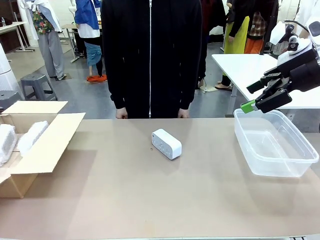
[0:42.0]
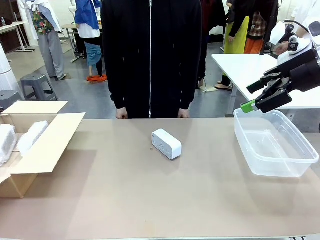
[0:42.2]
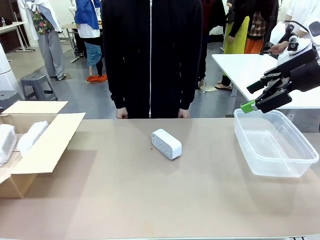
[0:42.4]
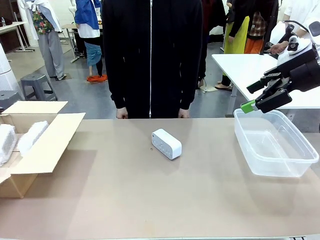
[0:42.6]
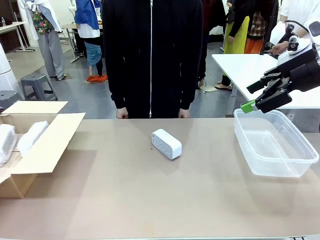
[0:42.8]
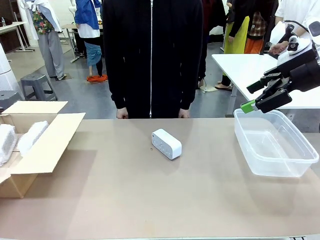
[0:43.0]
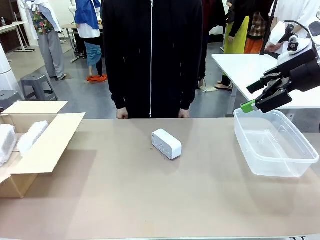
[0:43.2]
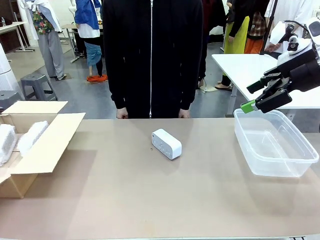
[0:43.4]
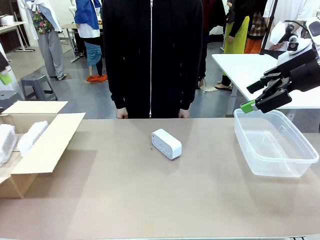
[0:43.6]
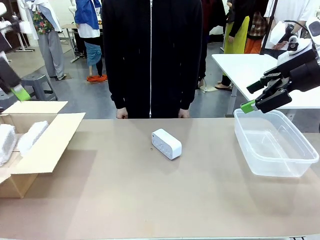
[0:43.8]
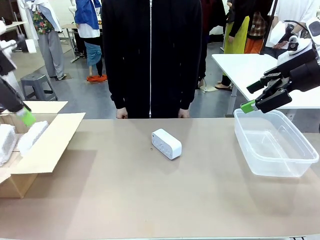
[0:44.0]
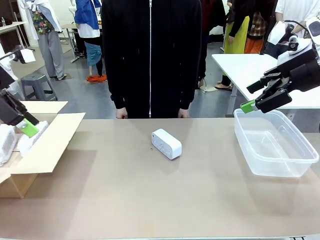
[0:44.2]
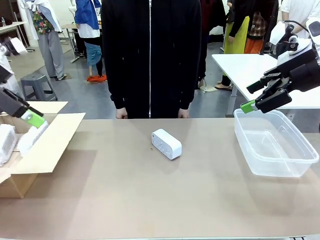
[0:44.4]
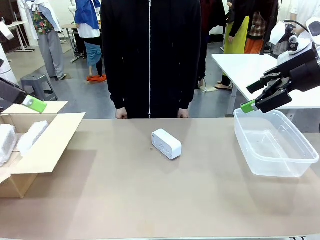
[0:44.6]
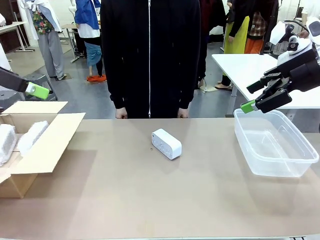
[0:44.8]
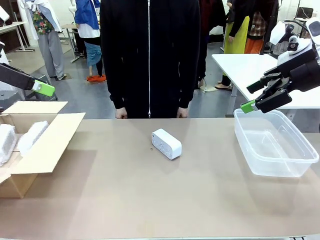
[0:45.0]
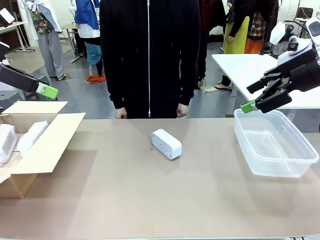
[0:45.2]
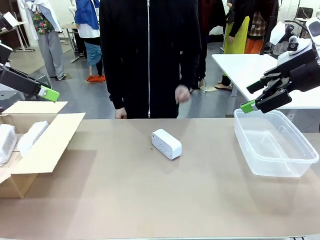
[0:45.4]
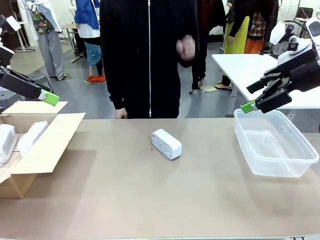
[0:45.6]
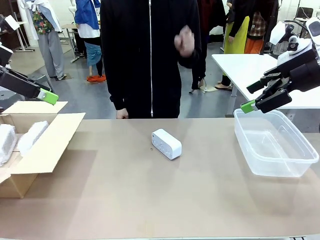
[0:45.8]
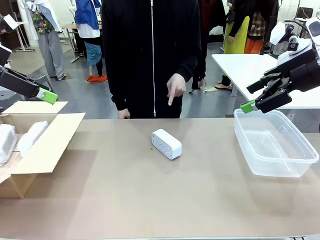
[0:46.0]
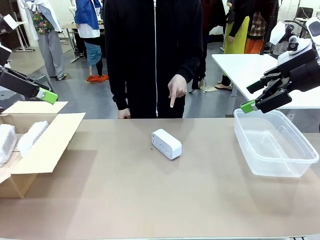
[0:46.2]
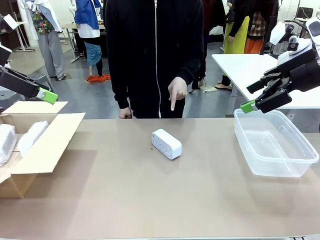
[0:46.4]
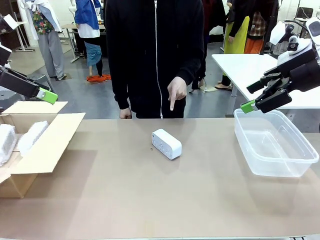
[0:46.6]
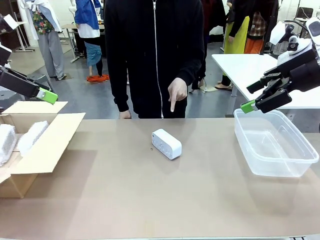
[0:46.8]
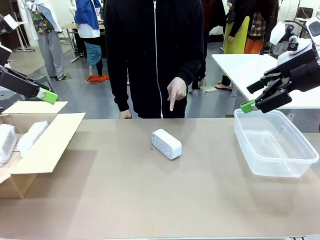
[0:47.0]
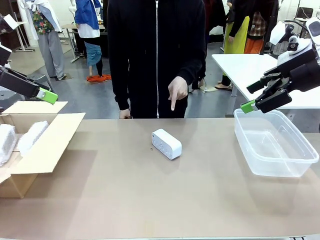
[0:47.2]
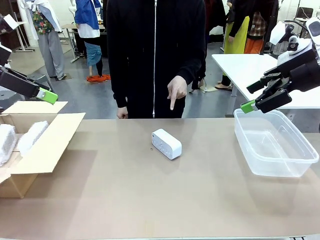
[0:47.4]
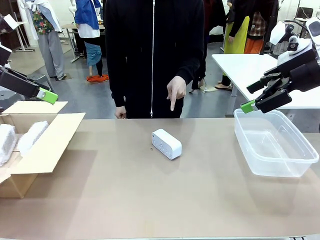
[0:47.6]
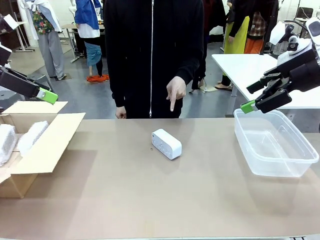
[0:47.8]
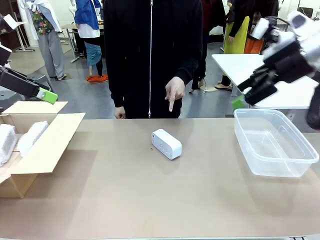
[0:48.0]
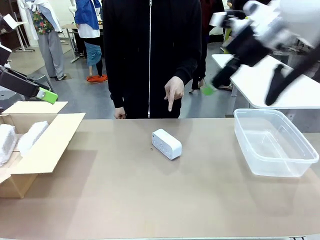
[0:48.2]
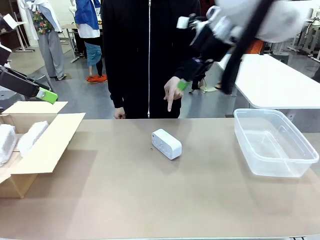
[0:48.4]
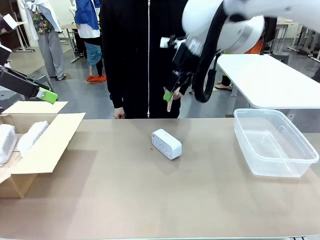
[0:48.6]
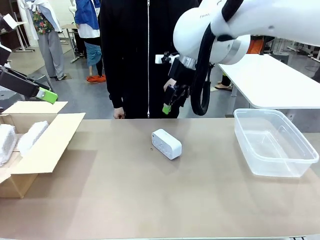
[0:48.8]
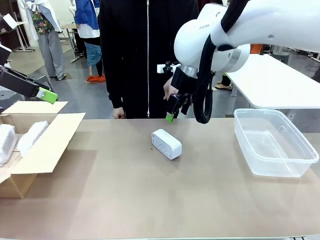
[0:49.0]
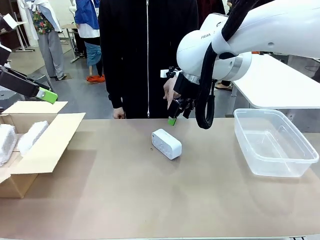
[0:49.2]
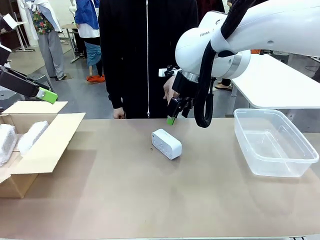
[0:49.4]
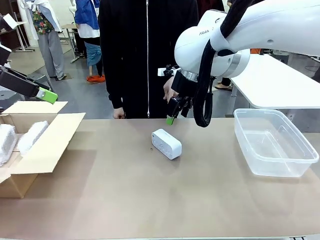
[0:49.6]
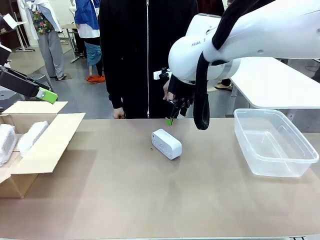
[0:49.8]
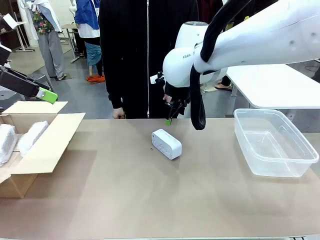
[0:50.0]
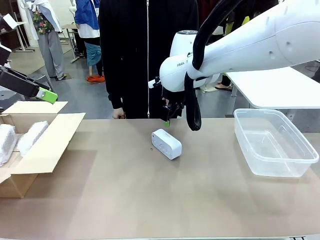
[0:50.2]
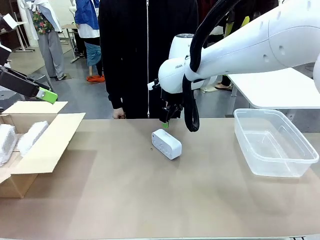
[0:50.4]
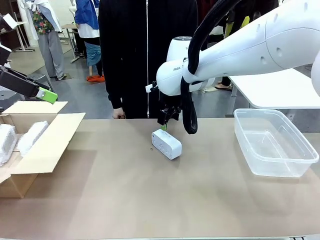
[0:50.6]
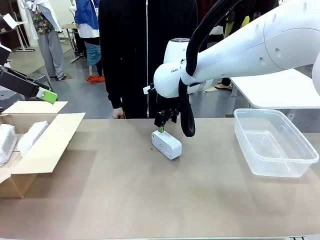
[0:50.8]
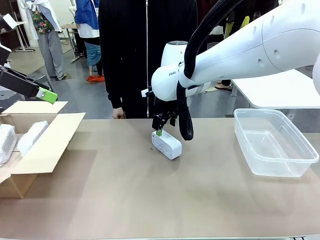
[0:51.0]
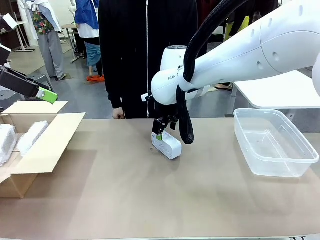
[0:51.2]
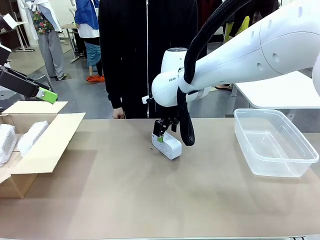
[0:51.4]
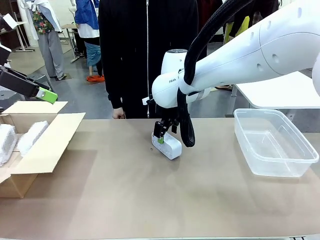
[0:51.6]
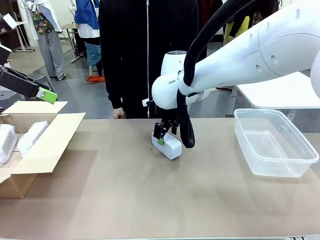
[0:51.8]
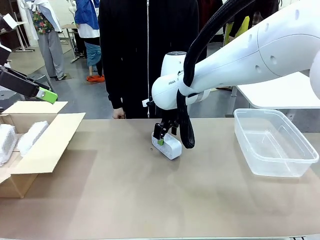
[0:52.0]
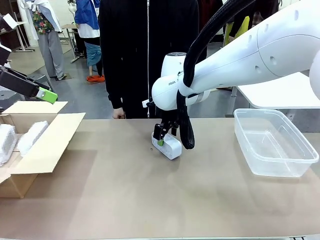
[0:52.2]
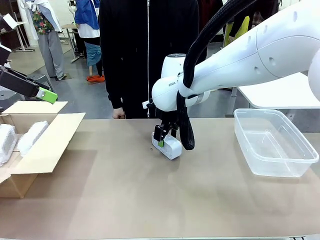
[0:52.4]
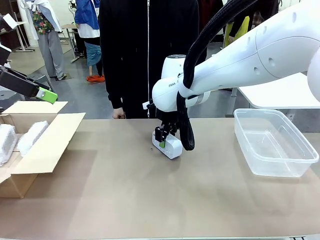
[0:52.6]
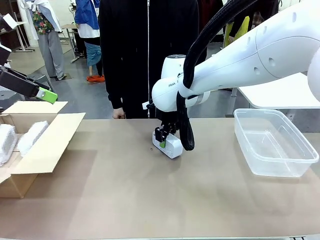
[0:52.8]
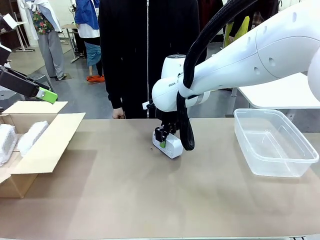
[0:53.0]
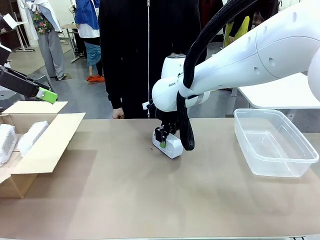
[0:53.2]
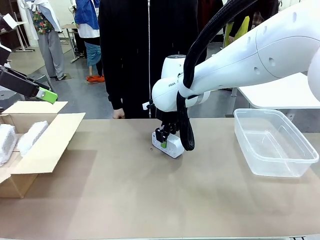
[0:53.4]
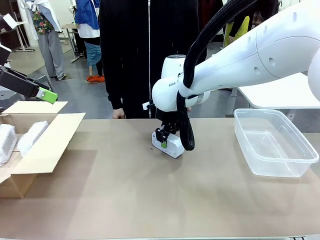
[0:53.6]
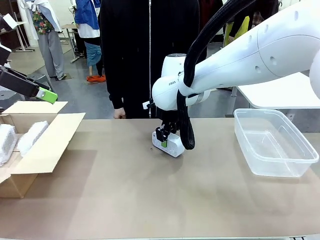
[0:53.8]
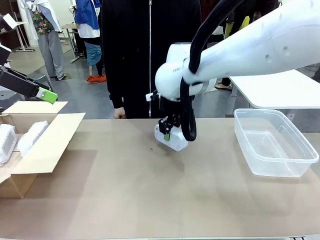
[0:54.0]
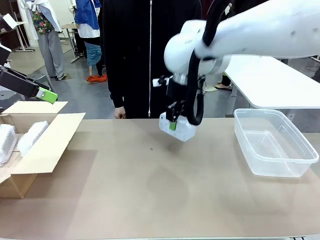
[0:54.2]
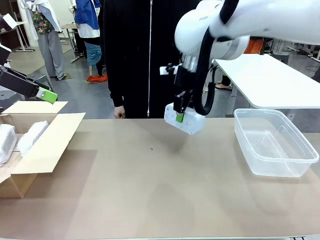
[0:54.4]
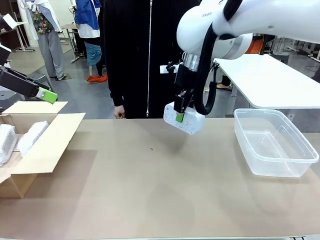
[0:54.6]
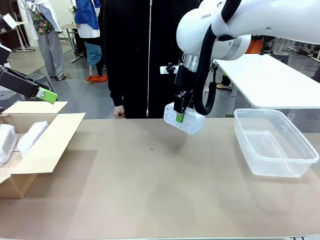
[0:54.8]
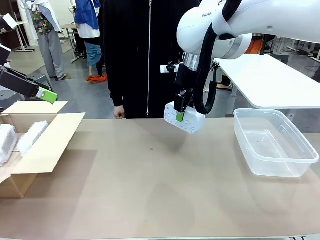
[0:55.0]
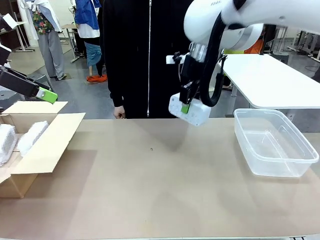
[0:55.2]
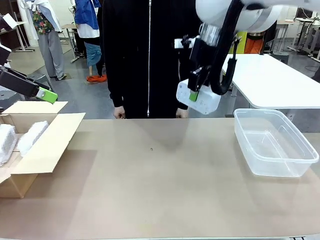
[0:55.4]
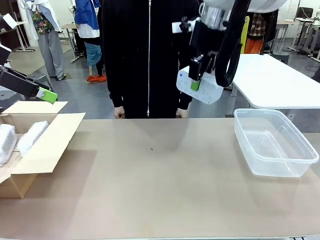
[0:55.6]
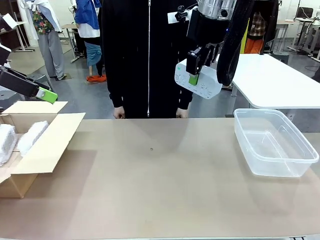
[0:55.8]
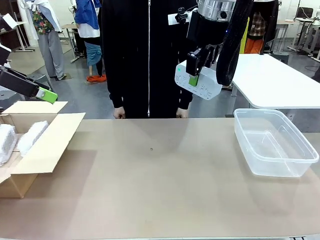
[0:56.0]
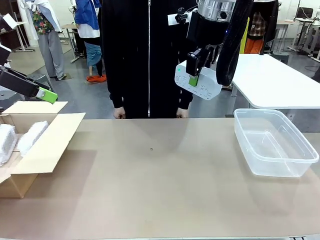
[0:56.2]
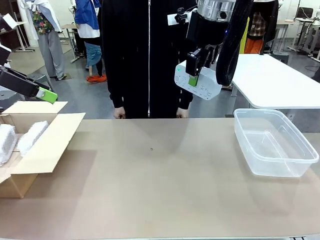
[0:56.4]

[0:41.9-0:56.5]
Task: Separate and place wrapped and unwrapped clocks.
Robot: Pick up the Digital clock indicated by the person.

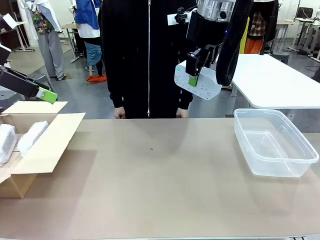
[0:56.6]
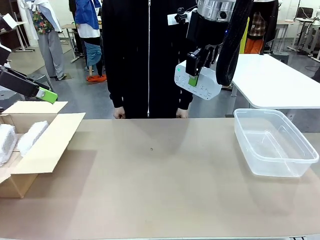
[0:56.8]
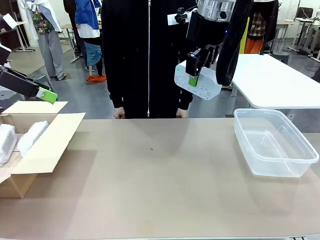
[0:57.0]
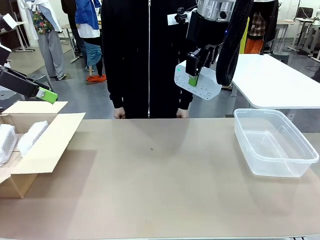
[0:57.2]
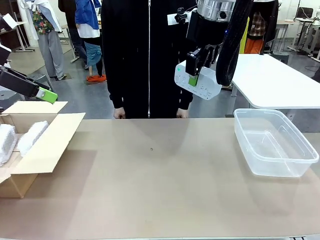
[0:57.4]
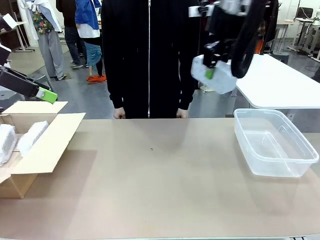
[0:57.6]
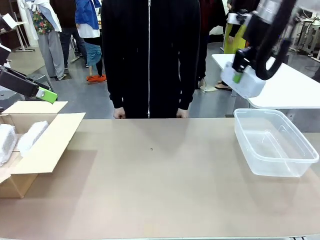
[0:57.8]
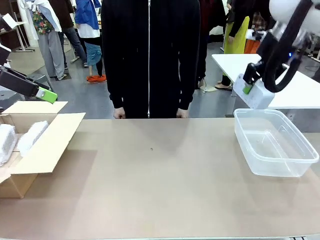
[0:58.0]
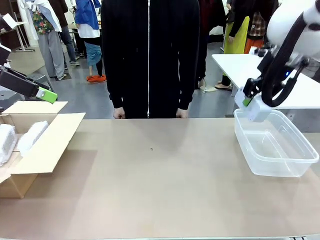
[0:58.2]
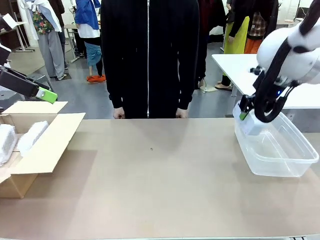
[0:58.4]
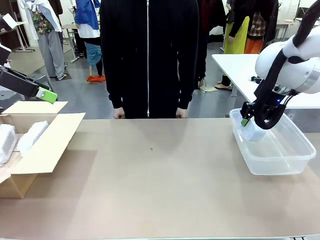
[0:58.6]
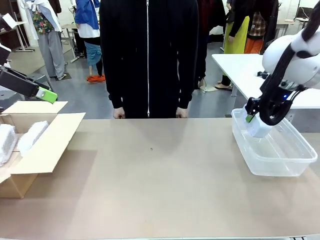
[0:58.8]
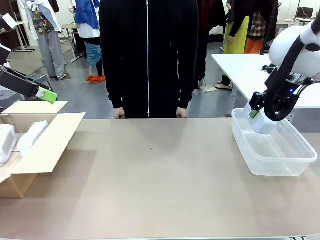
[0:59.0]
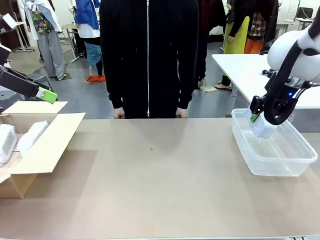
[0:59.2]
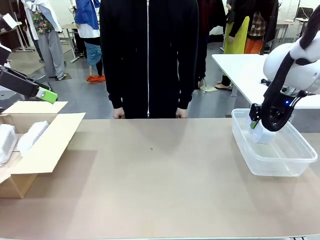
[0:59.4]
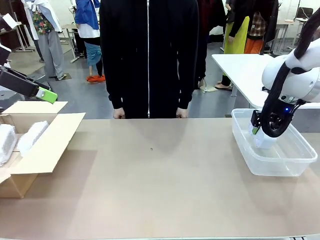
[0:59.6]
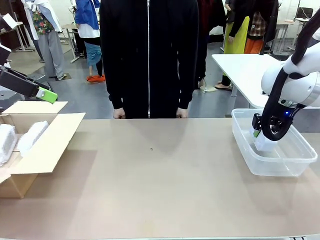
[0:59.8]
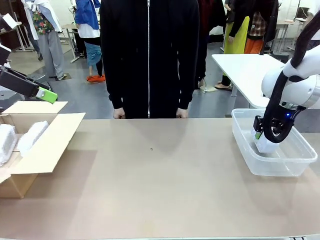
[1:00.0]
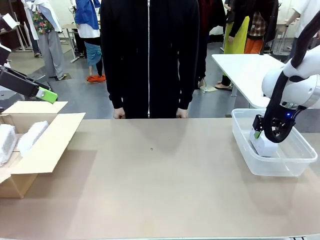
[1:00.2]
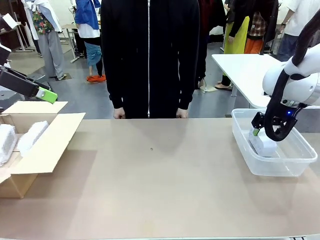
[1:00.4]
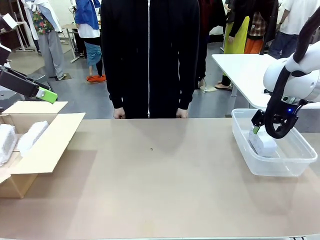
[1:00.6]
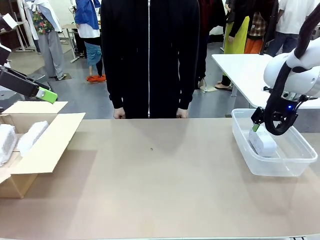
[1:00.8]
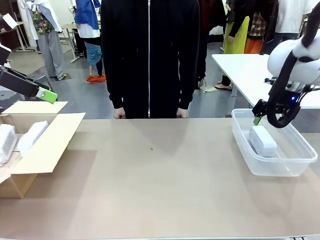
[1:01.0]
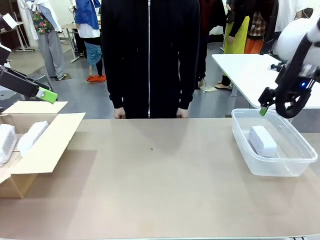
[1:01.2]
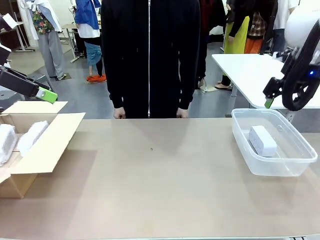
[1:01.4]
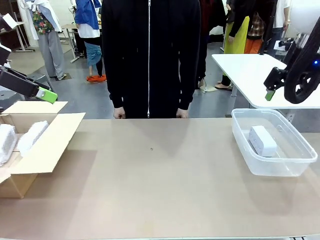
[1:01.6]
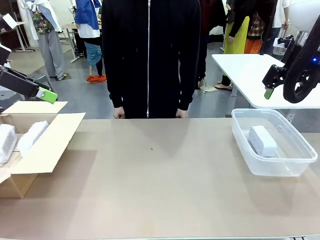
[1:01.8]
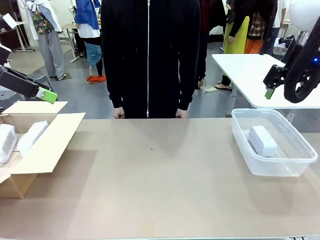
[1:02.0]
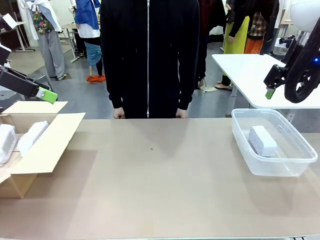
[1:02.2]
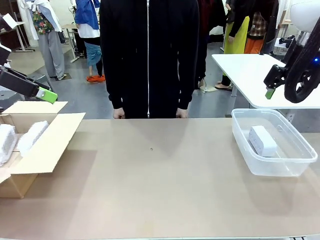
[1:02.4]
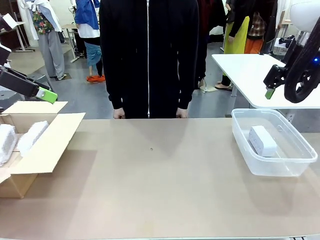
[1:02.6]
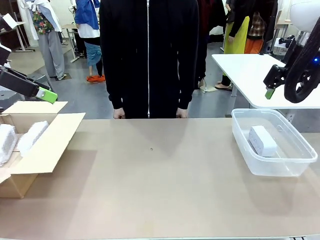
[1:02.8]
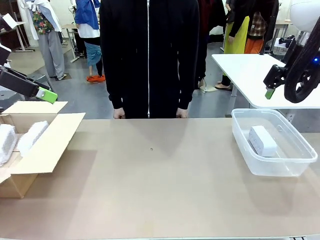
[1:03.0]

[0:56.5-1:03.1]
Robot: If the picked Digital clock is wrapped, place it in the Package Box ; if not, place it in the Organizing box.
